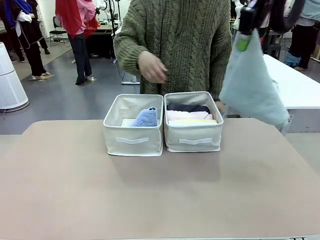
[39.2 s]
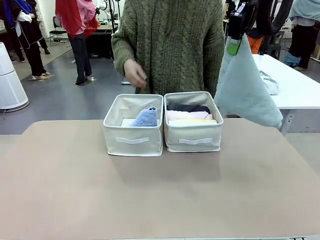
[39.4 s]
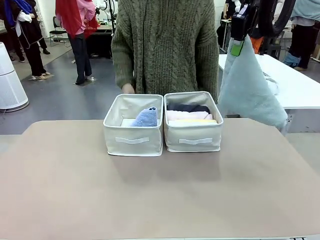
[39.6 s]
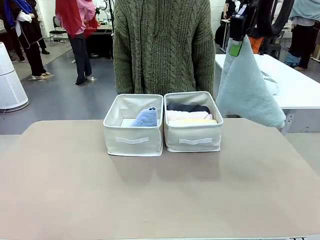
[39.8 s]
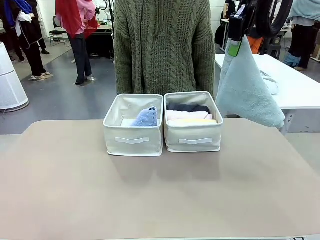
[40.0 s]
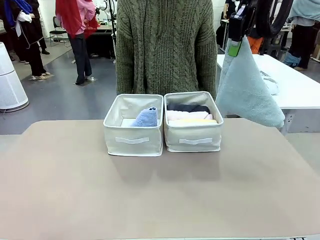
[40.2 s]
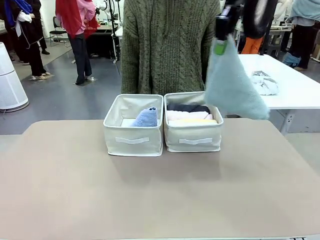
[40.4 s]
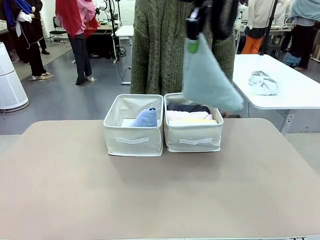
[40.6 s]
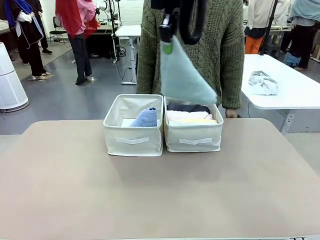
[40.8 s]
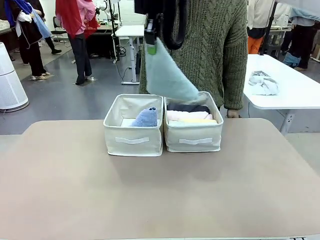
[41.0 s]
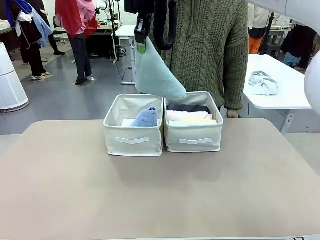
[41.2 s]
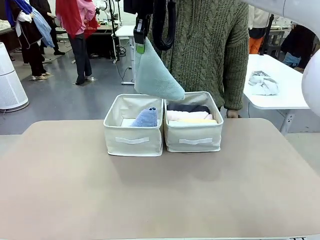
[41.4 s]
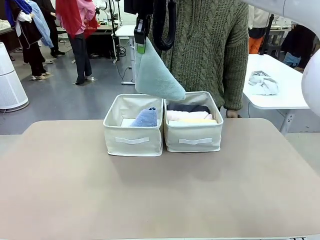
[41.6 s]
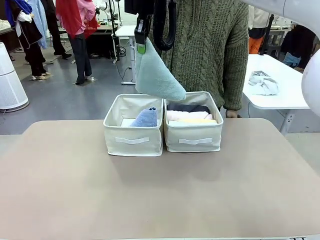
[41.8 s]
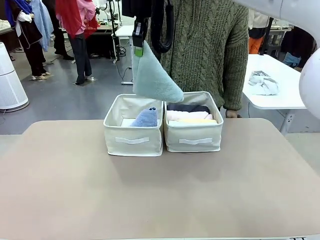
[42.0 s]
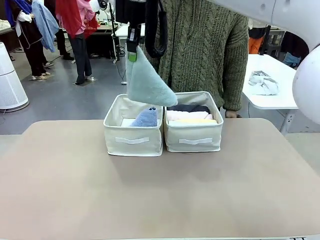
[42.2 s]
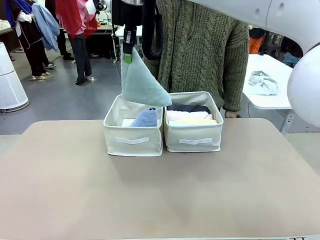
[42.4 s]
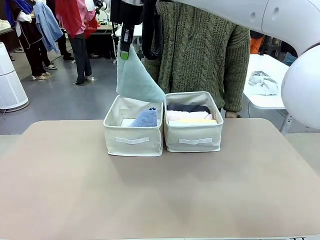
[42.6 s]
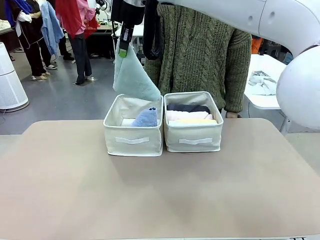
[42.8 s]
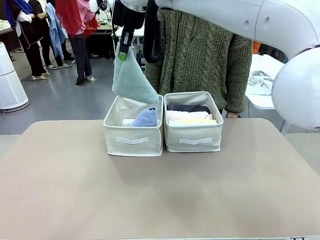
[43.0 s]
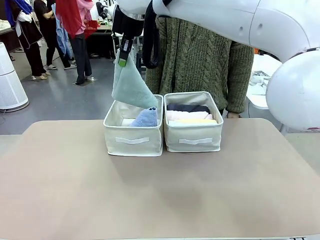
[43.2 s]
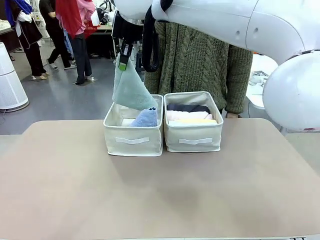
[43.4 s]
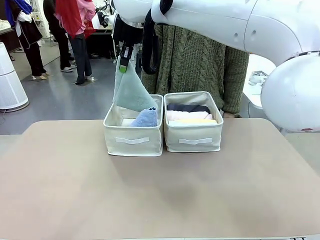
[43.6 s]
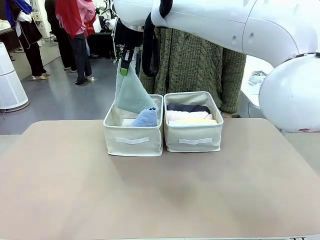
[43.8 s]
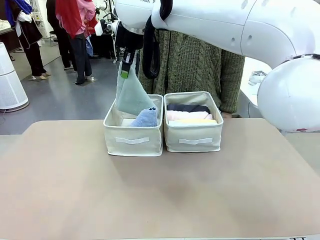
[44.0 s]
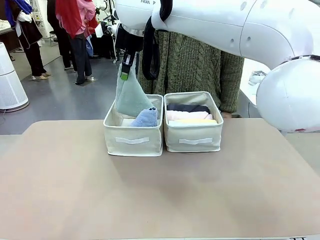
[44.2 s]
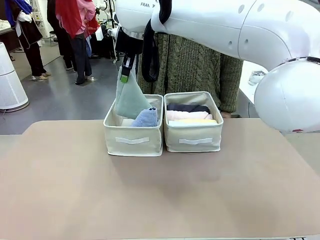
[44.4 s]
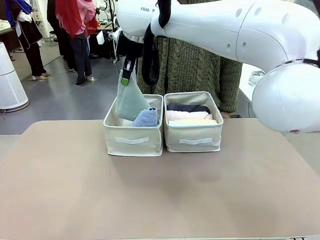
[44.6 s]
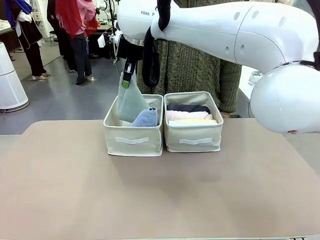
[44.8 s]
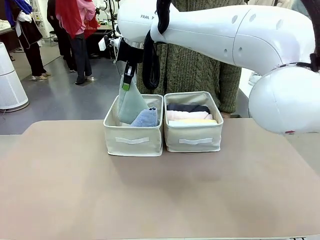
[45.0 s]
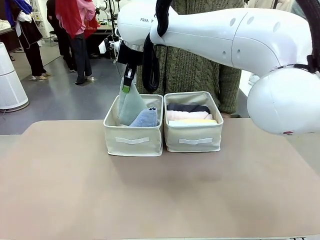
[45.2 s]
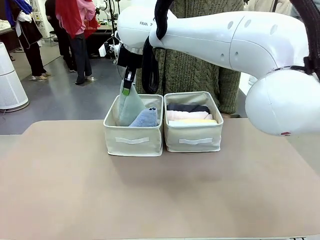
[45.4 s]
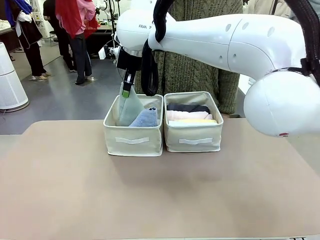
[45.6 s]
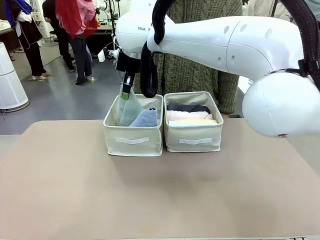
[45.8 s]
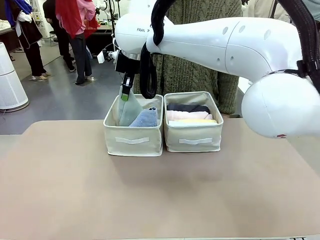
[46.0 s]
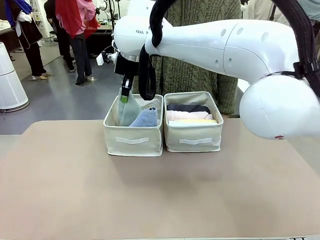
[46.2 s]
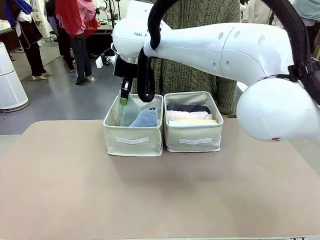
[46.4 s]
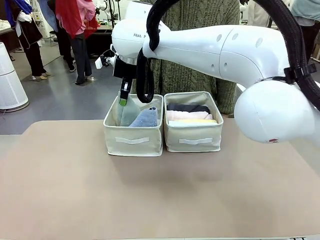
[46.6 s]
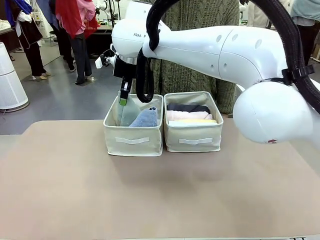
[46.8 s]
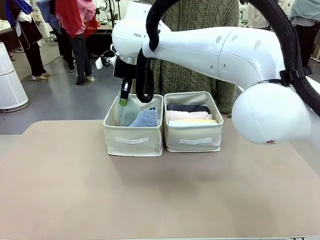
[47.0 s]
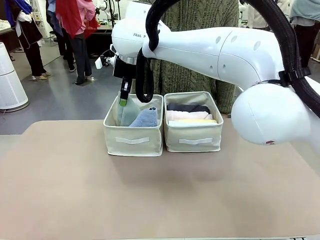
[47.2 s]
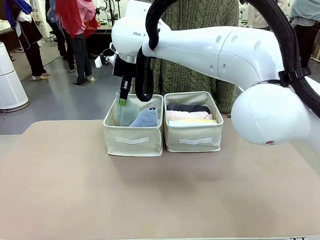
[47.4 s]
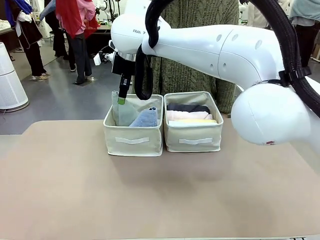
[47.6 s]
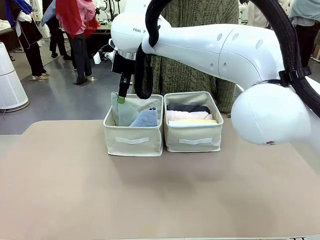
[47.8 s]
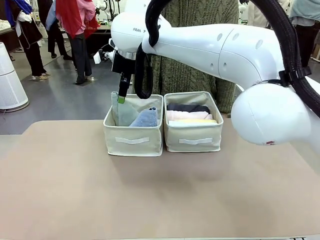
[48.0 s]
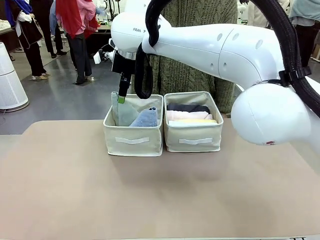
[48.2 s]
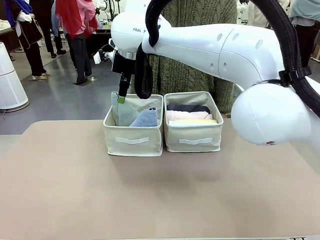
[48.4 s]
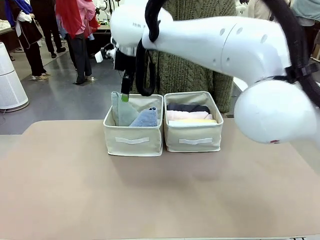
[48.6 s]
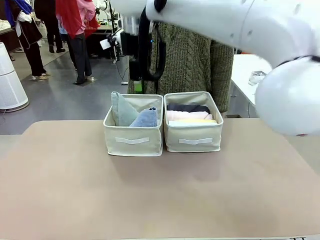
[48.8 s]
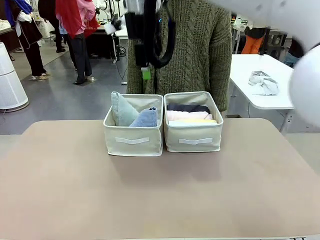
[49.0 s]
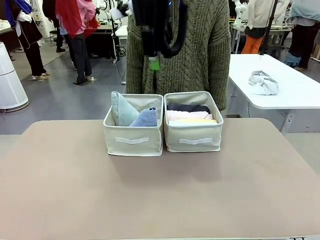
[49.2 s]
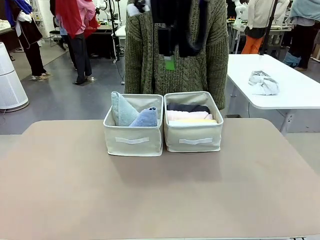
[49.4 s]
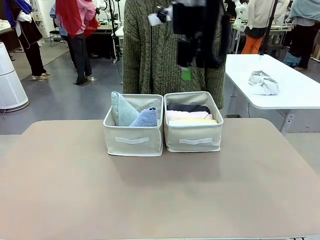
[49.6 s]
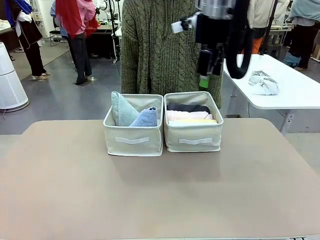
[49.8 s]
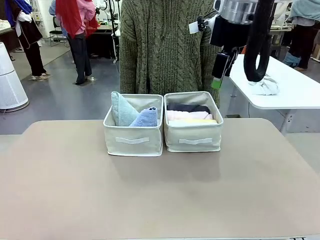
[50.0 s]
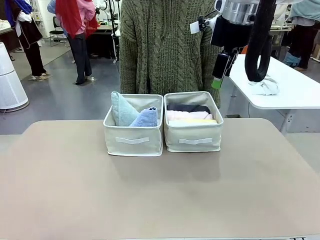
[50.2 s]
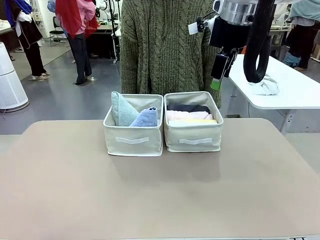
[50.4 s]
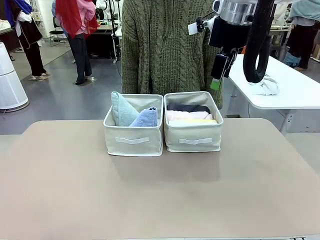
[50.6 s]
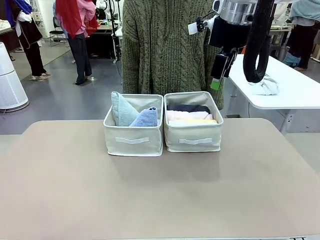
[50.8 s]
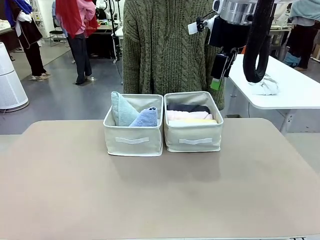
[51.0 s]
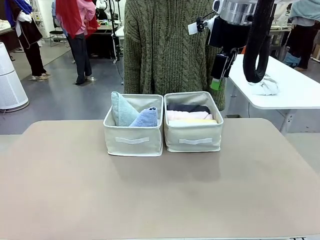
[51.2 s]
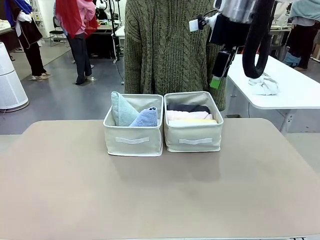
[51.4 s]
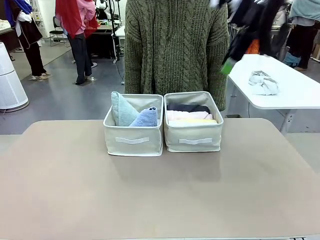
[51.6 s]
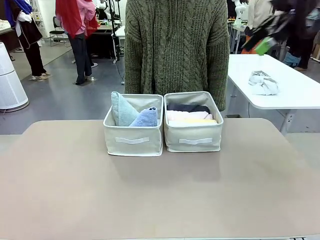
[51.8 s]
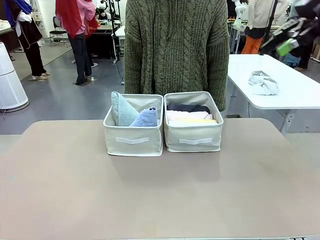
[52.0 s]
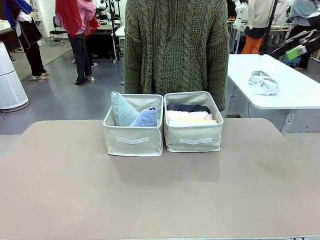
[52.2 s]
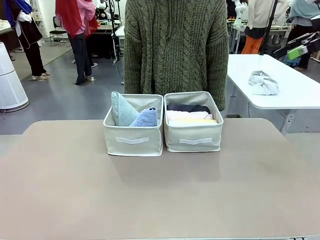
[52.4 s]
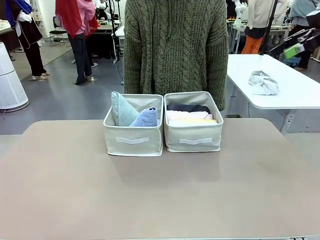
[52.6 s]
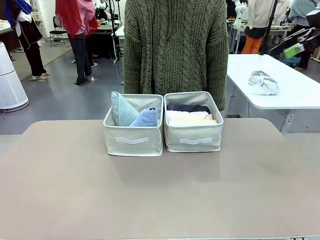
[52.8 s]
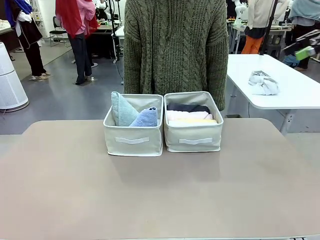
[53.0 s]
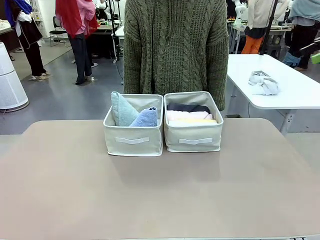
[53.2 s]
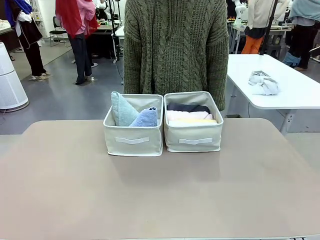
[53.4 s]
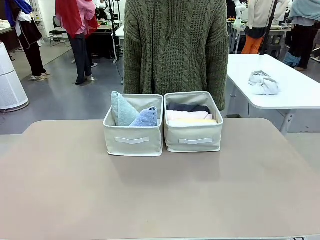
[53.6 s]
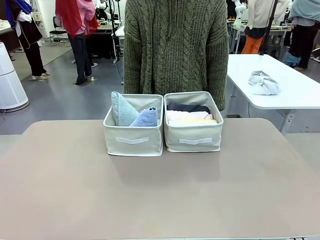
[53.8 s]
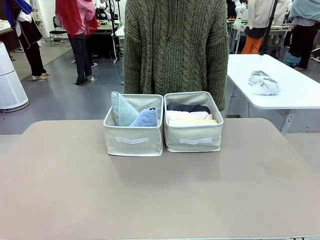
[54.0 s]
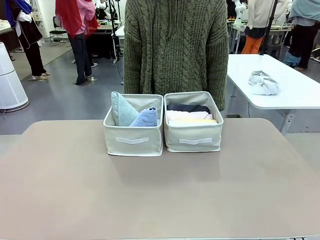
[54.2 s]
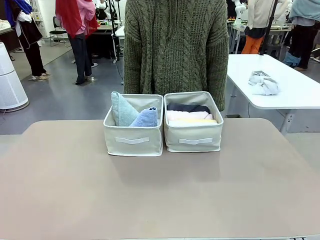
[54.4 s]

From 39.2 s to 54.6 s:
Task: Sort the towels based on their folding style.
Robot: Pick up another triangle-folded towel from the table and place it in the left Fabric basket.

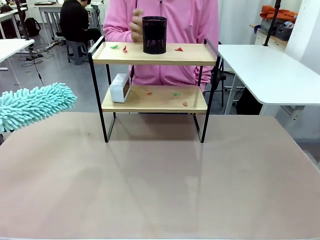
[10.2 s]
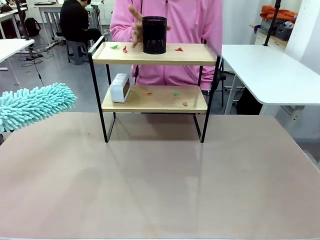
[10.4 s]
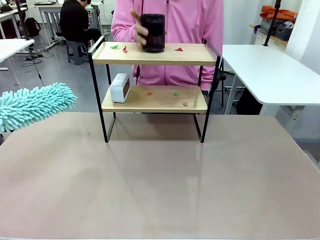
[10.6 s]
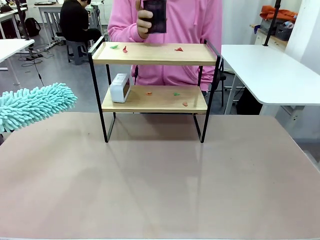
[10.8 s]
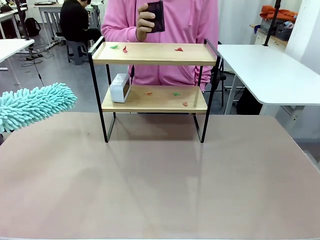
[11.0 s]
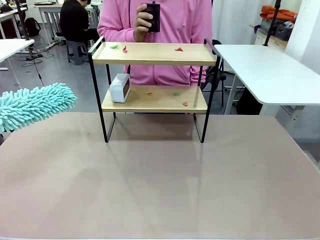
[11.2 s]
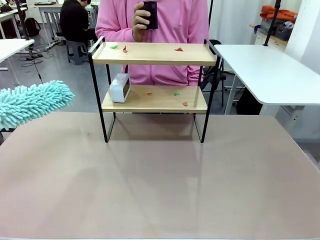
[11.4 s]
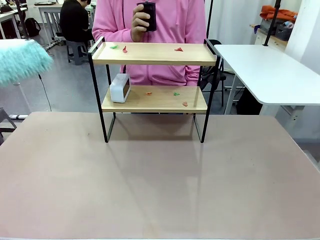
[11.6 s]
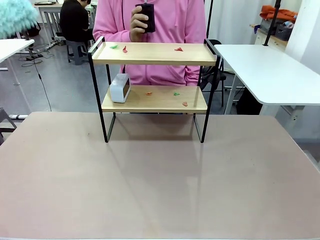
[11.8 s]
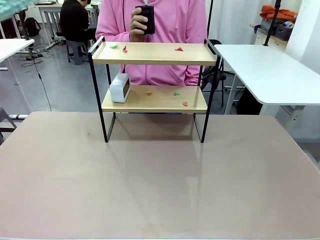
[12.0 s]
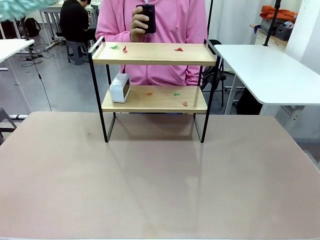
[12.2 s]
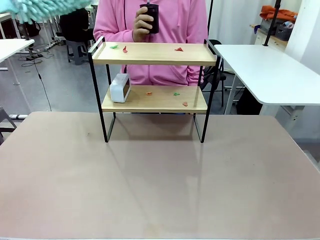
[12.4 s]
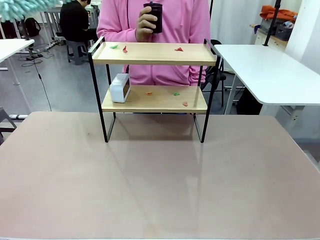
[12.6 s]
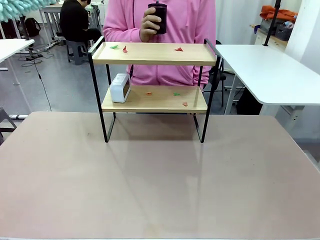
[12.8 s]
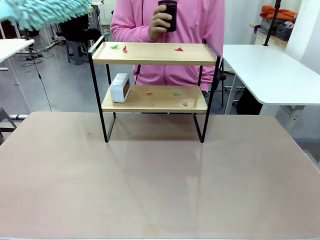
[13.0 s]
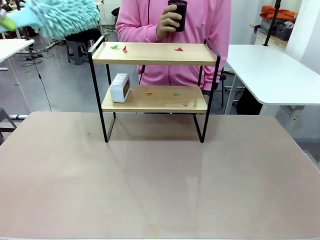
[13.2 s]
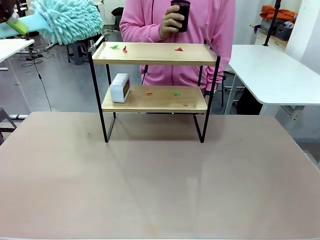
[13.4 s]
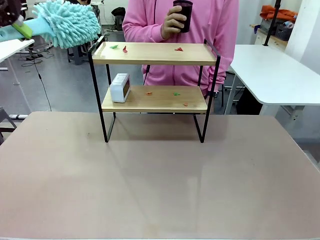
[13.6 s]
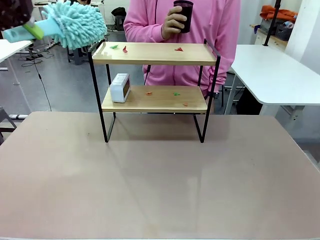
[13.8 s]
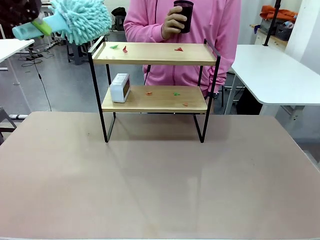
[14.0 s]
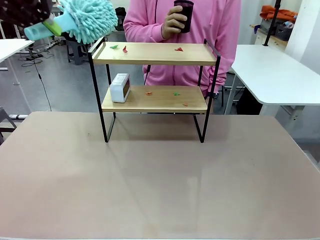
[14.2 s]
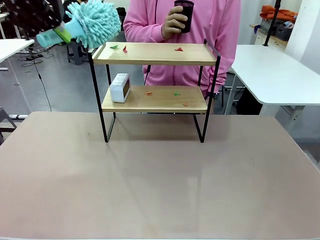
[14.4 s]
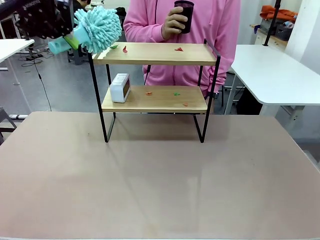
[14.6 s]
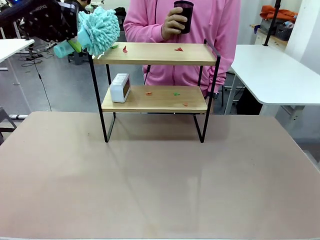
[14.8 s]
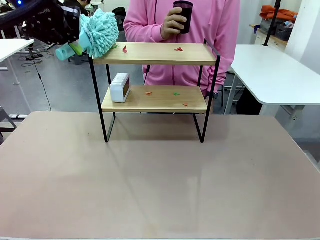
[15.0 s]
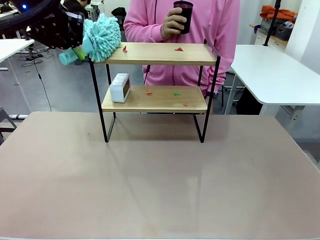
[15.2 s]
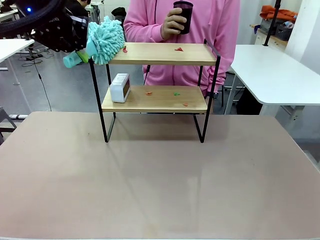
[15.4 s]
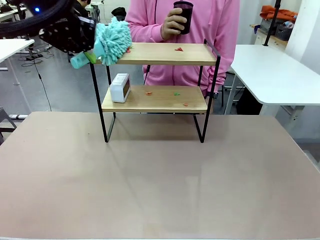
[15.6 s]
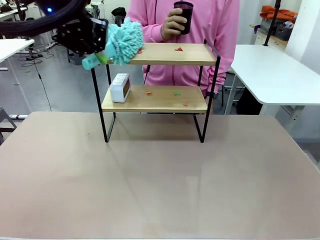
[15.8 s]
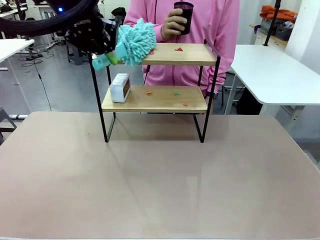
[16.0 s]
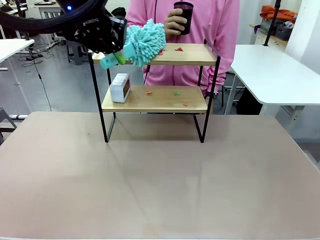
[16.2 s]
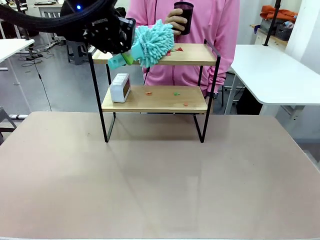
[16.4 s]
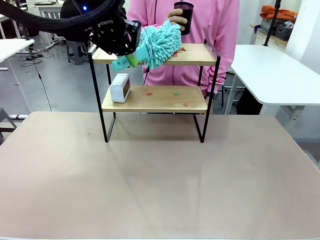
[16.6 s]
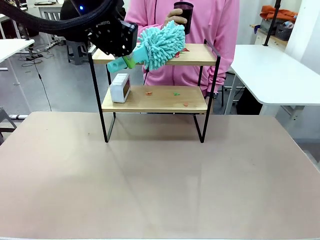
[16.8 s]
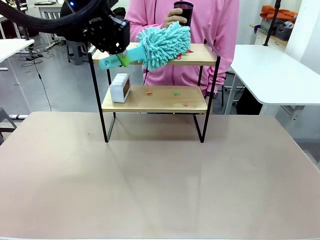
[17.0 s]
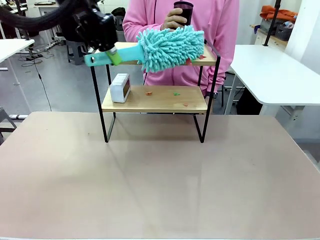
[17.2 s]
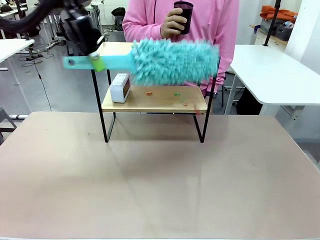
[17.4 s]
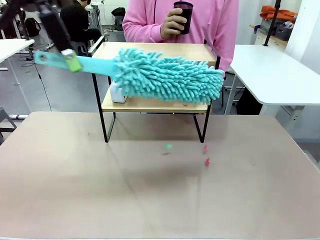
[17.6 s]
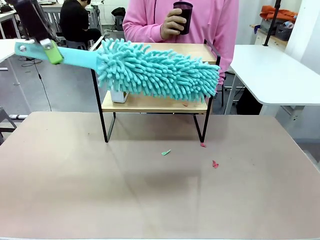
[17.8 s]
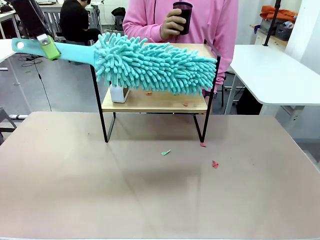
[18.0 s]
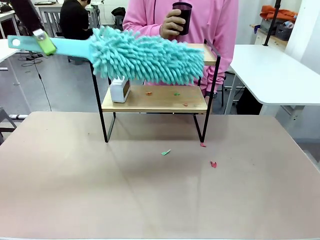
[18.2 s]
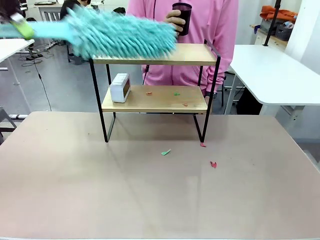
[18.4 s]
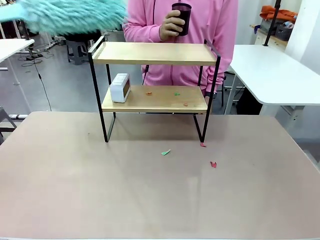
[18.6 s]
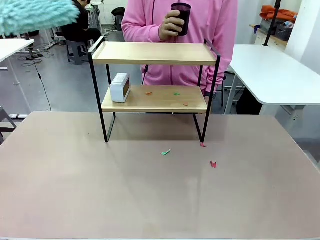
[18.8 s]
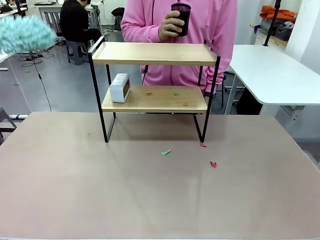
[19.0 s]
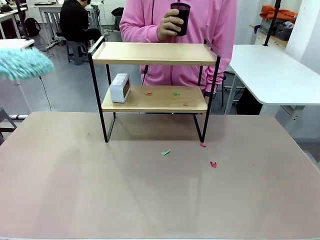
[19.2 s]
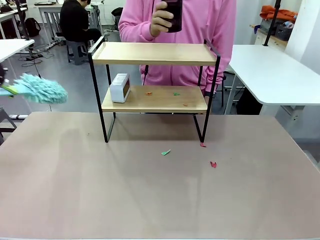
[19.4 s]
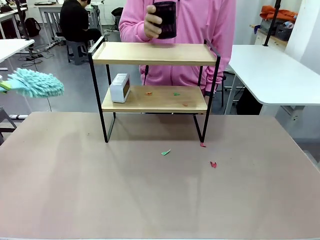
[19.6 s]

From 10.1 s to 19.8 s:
Task: Clean the shelf.
Robot: Clean the specific tier of the Shelf with the Duster once objects are removed.
Person: Lift the objects on a randomly selected tier of the Shelf. Once the robot finishes cleaning, lift the objects on the remaining tiers of the Shelf.
